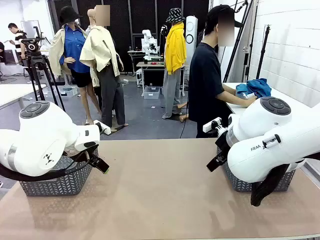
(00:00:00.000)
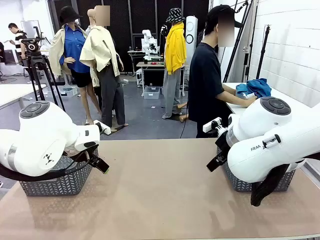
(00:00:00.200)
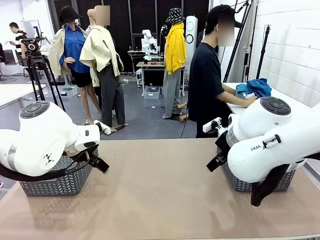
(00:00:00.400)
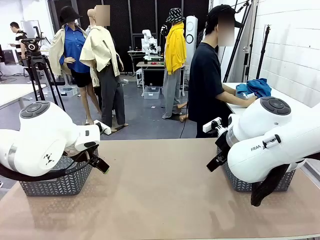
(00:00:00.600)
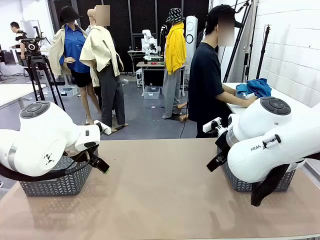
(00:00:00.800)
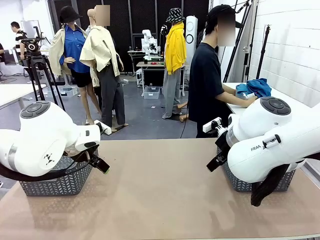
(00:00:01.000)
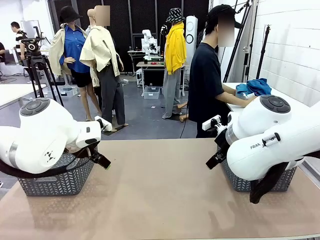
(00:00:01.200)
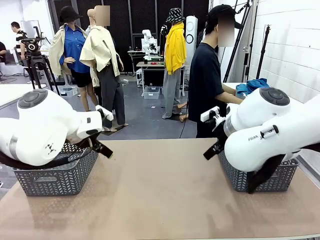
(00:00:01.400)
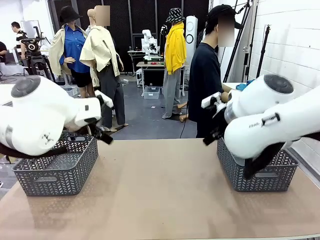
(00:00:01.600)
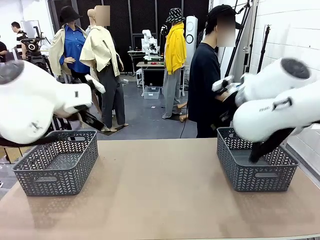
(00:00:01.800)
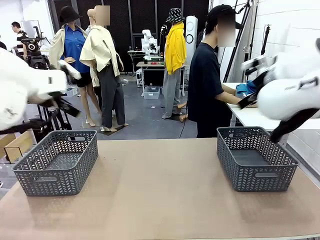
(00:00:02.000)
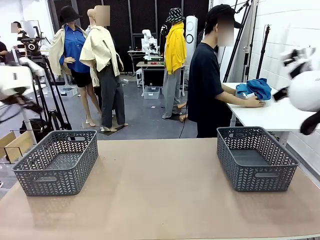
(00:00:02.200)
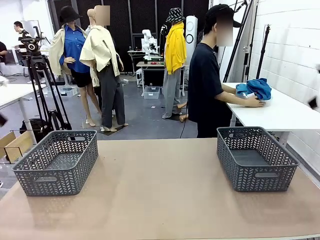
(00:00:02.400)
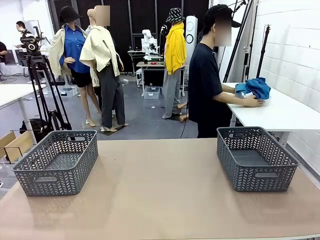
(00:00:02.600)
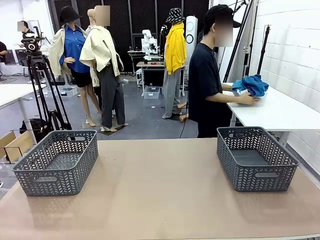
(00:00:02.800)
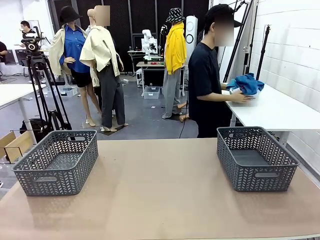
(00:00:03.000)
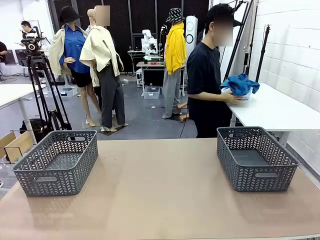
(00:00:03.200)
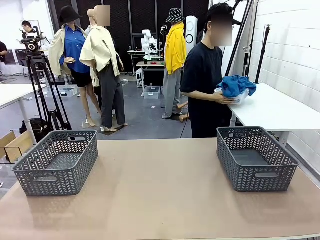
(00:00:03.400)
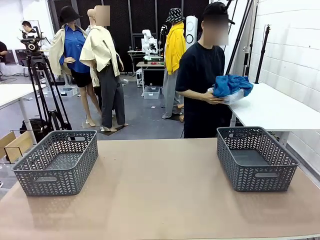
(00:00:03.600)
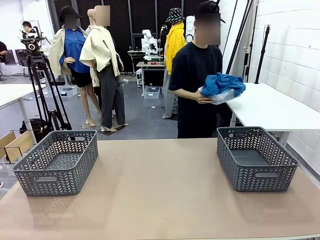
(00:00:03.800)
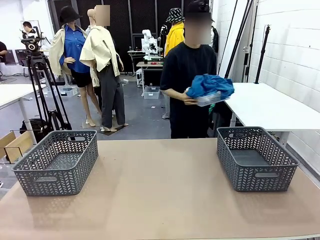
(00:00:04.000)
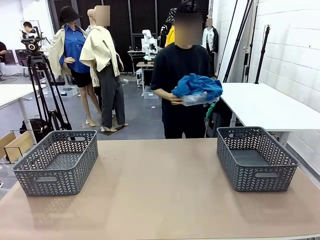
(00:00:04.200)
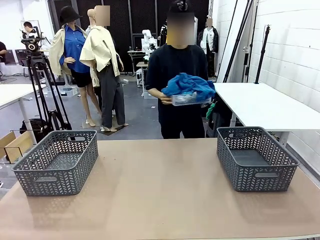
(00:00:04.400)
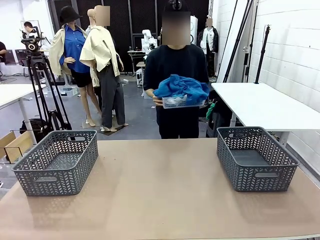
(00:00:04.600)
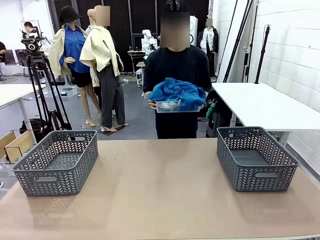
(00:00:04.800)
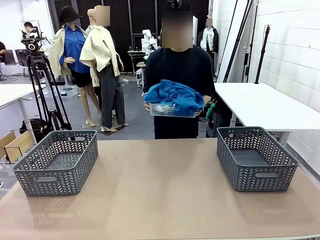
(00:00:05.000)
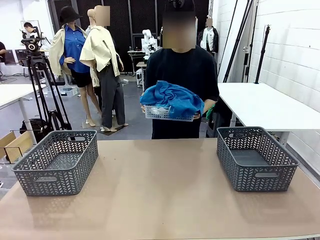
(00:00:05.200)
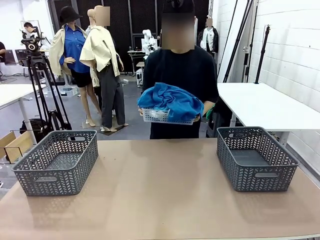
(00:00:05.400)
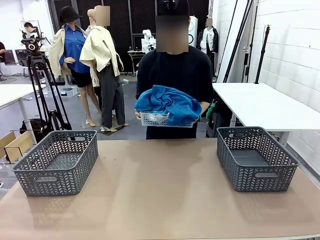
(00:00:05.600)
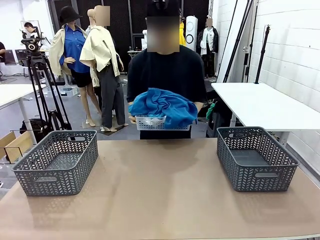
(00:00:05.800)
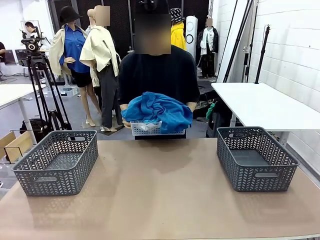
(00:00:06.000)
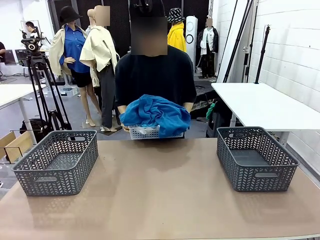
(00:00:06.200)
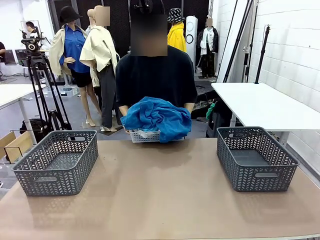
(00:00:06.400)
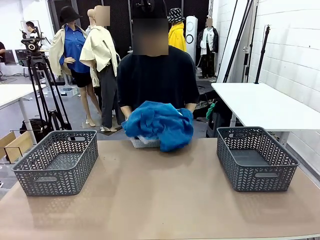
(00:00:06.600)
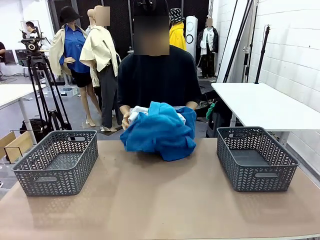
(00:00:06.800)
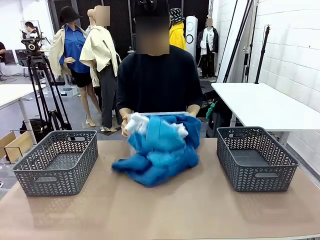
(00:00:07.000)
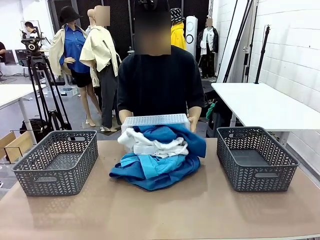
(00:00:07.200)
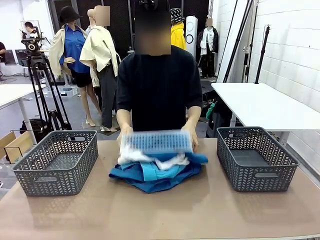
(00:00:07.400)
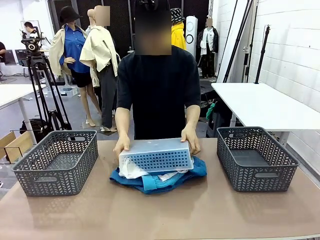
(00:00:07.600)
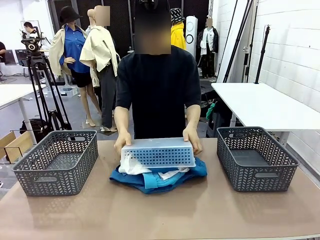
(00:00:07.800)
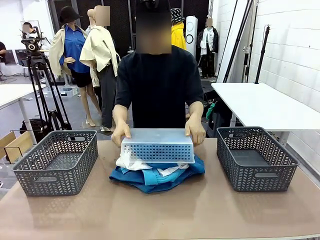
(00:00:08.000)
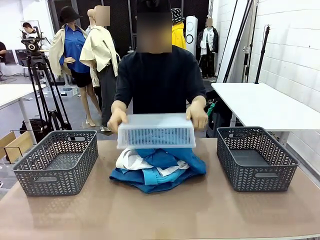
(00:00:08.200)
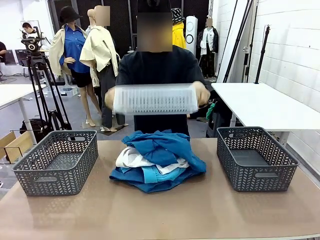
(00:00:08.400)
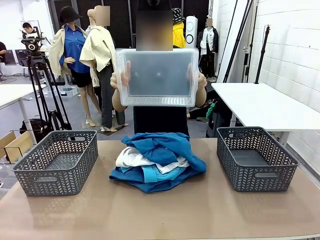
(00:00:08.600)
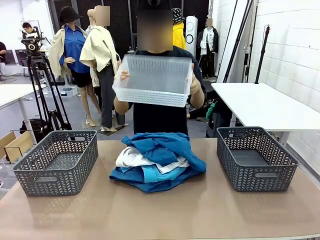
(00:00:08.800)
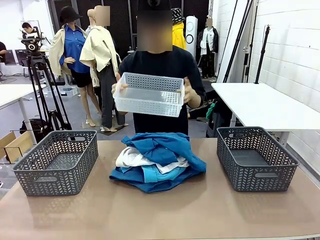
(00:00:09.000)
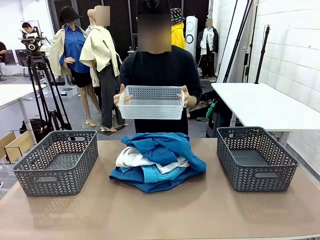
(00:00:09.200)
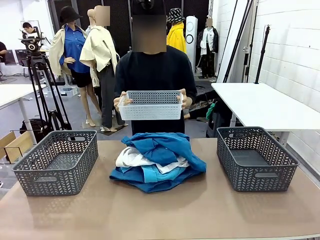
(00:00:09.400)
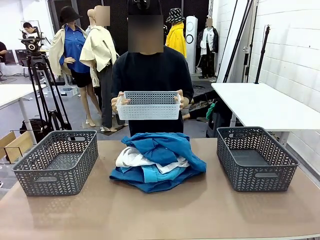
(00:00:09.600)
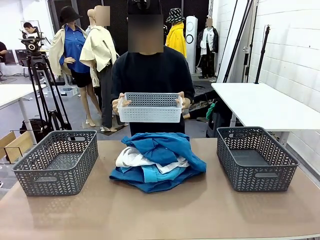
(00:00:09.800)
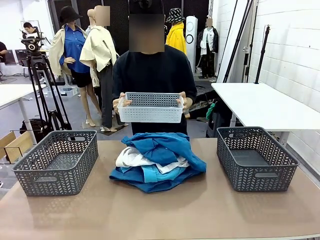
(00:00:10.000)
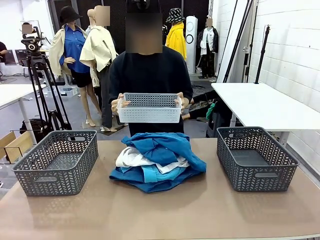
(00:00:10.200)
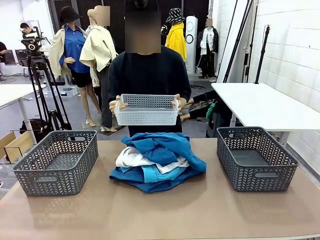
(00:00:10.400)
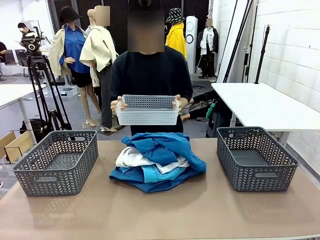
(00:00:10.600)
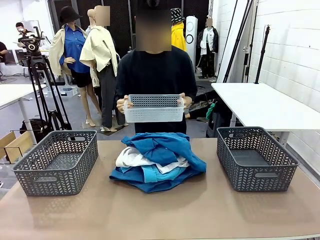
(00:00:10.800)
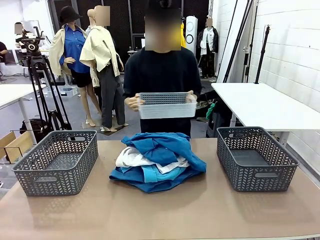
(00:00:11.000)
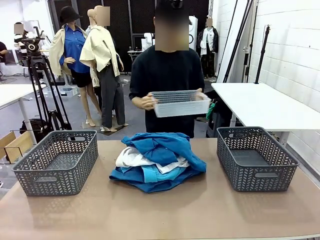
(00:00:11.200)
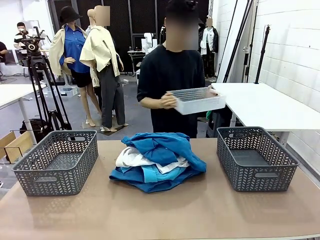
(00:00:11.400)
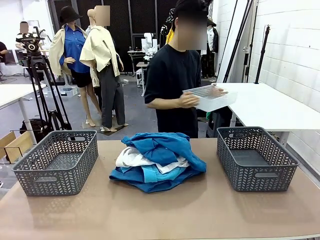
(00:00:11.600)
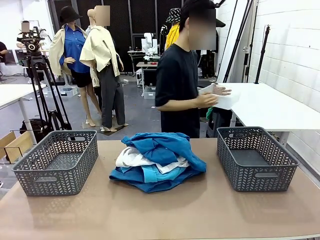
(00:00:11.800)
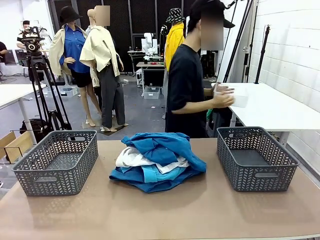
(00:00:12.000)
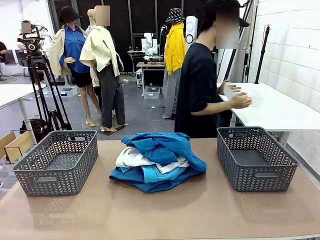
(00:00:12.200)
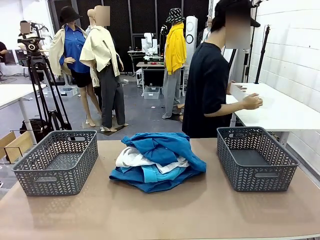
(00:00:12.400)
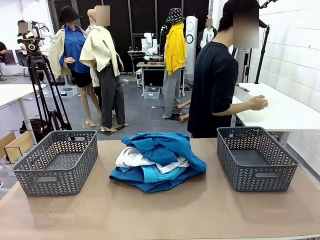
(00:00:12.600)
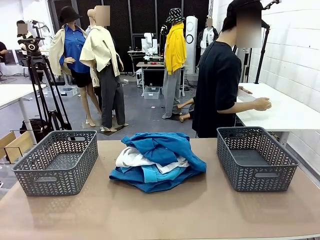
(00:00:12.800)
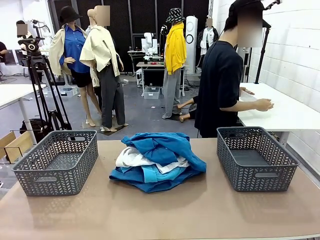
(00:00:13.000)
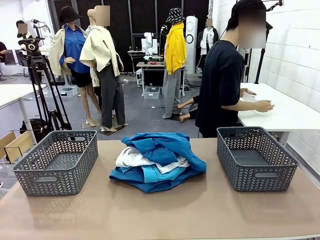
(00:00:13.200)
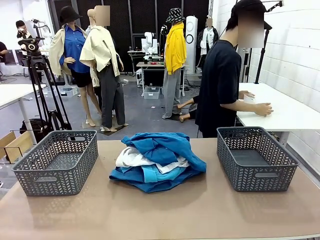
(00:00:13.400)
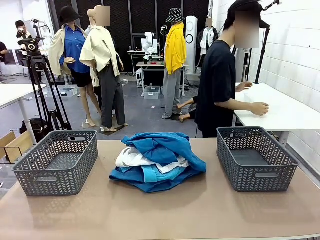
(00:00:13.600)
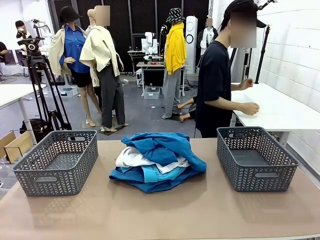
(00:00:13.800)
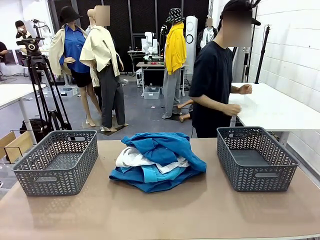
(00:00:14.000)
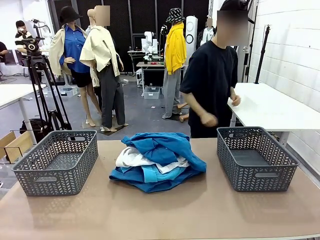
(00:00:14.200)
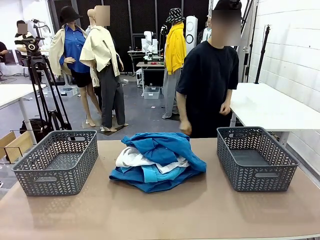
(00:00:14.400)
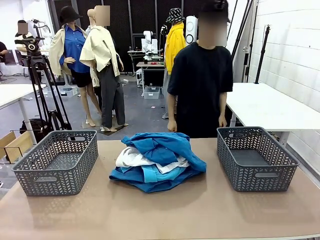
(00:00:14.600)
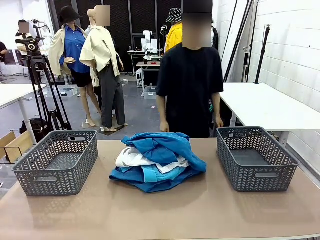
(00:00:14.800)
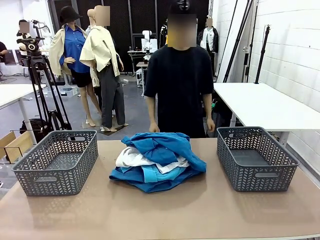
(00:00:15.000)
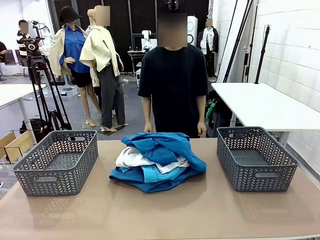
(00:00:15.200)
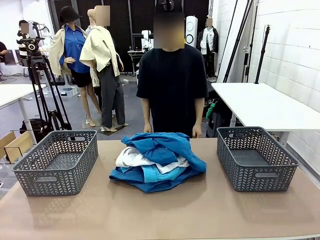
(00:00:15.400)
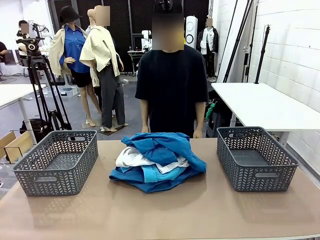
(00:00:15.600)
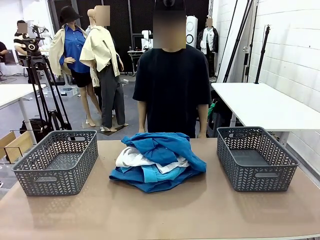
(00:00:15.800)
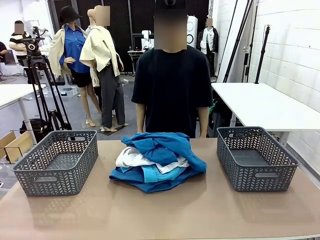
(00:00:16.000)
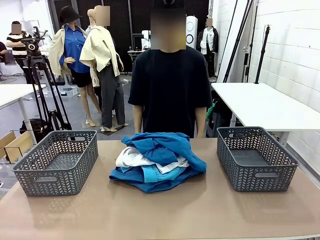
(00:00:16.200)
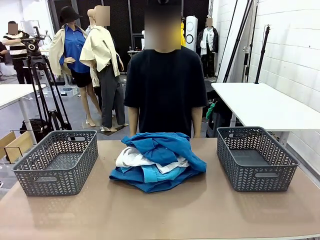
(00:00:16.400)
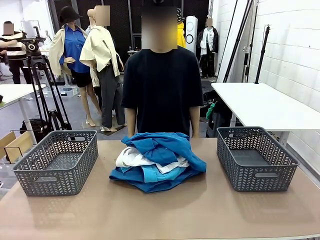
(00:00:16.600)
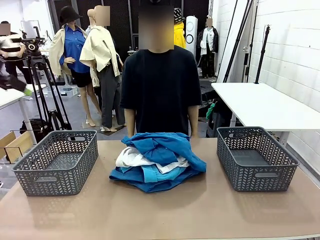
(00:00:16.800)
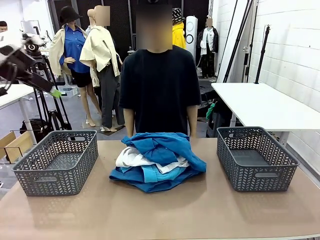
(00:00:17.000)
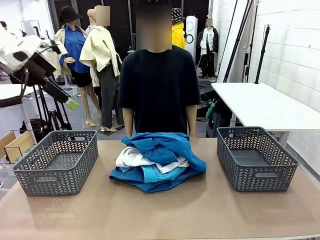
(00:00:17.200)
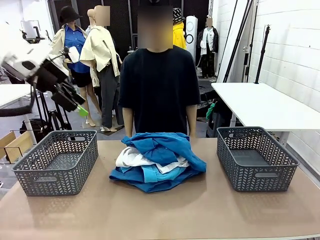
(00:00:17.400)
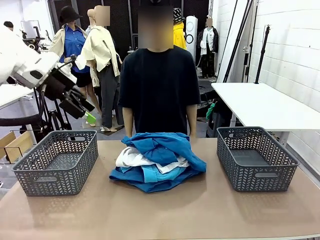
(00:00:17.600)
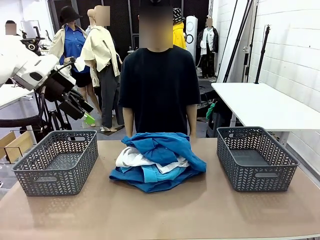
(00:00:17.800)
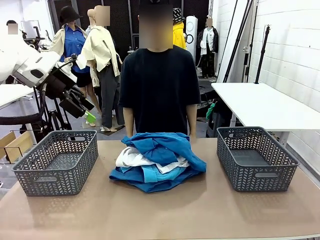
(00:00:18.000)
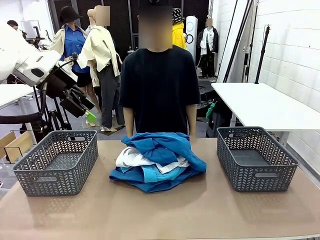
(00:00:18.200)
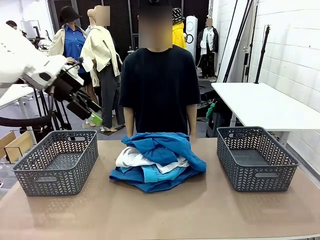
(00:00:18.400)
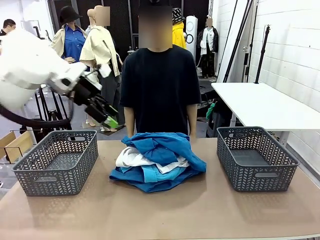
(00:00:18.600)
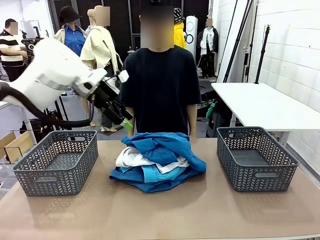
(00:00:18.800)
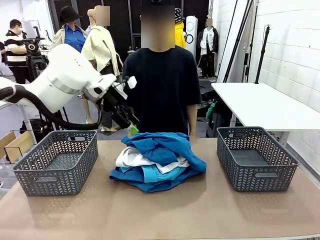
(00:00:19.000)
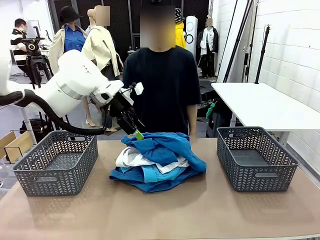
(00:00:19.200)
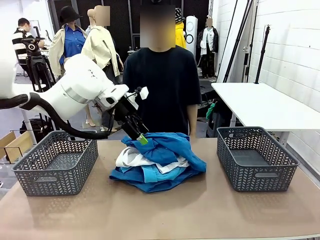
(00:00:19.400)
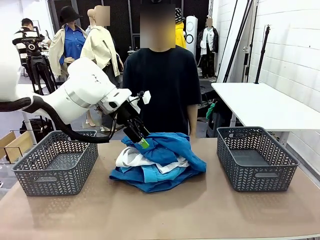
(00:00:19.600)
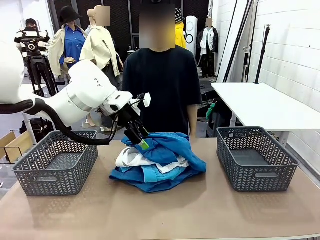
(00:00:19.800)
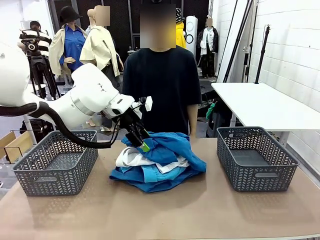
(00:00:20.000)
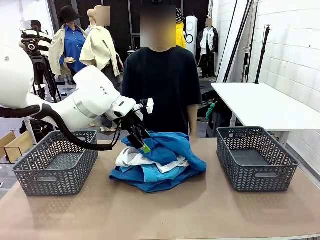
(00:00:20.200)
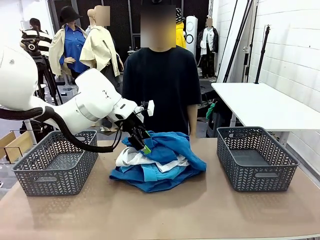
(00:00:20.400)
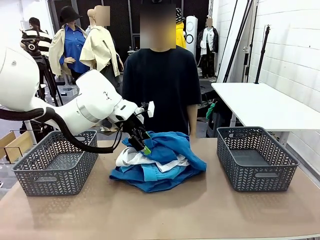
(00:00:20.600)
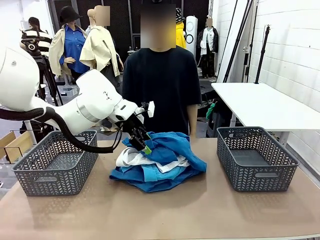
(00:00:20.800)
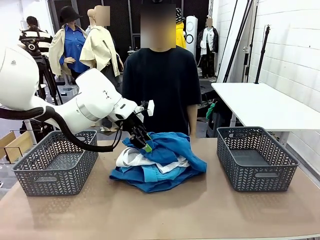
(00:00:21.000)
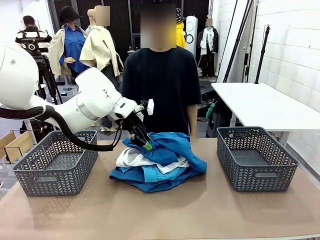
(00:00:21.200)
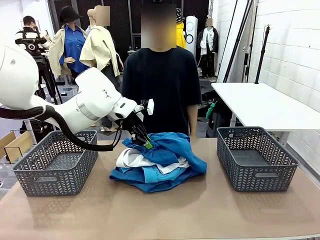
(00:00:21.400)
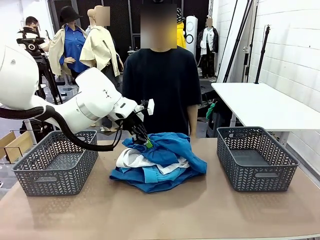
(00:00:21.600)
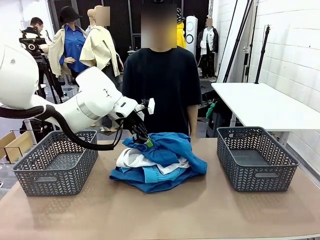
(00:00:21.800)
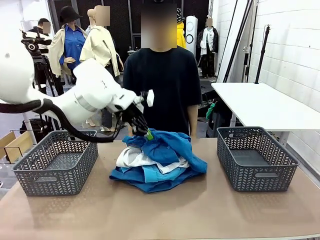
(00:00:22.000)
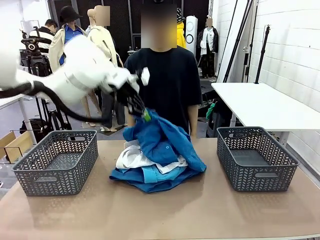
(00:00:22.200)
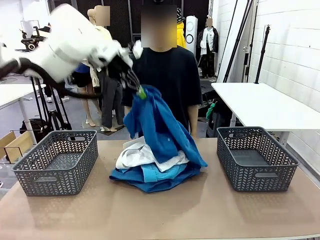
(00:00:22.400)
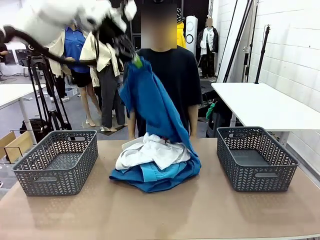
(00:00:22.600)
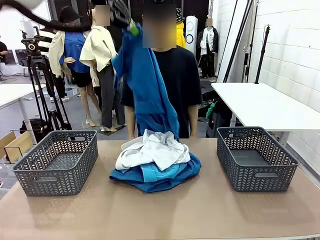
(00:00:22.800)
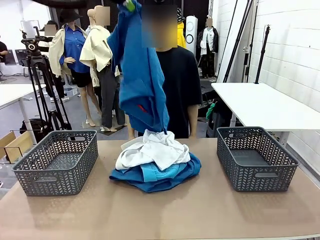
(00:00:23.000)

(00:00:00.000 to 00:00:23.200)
Task: Sort the tops and bottoms.
Robot: Lift clothes from the center of the table with your left hand.
Person: Pour the clothes from the basket onto the center of the robot table.
